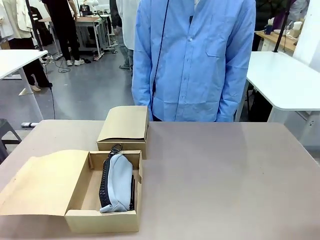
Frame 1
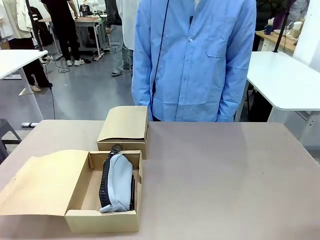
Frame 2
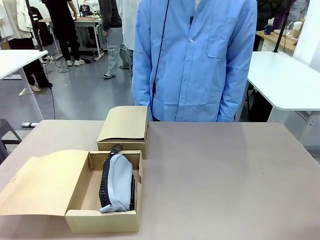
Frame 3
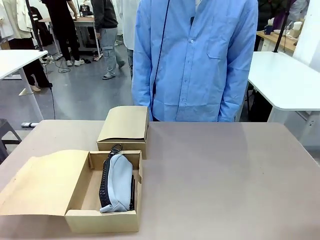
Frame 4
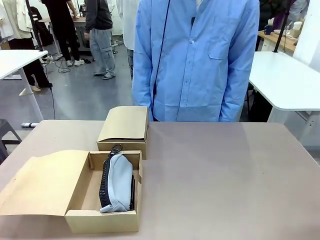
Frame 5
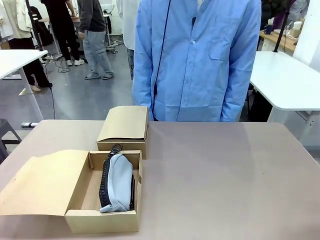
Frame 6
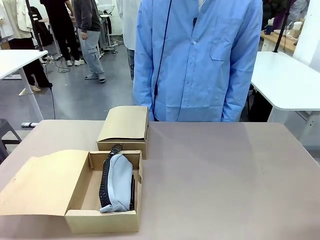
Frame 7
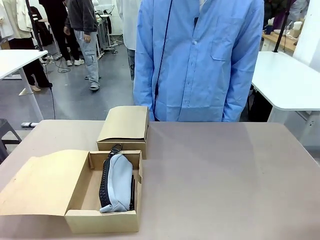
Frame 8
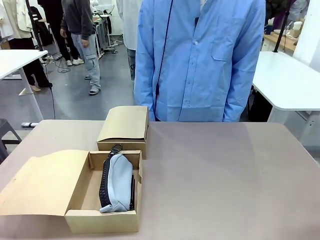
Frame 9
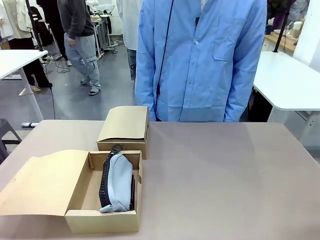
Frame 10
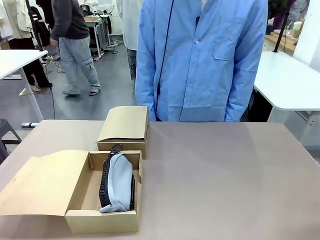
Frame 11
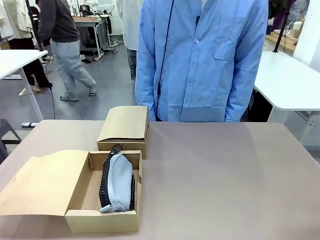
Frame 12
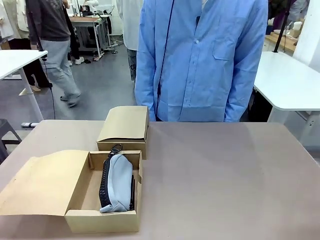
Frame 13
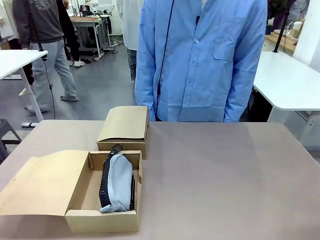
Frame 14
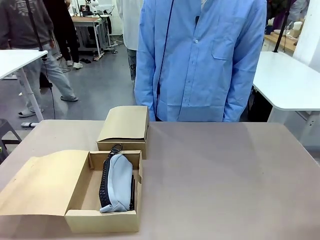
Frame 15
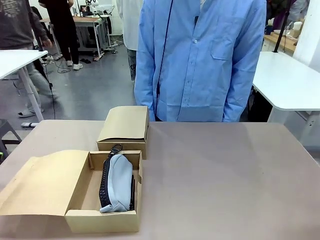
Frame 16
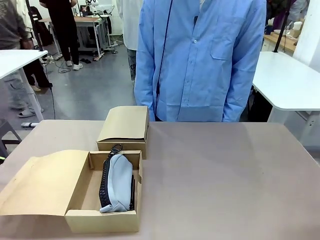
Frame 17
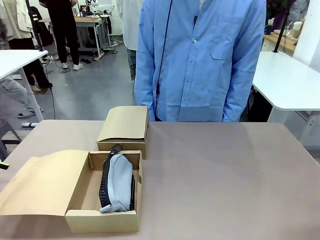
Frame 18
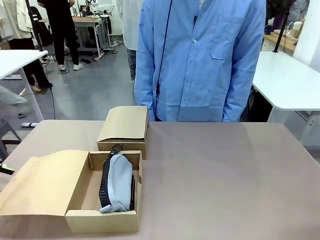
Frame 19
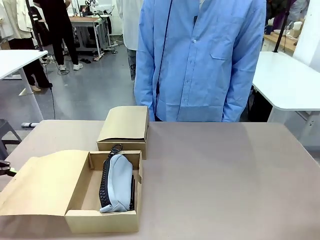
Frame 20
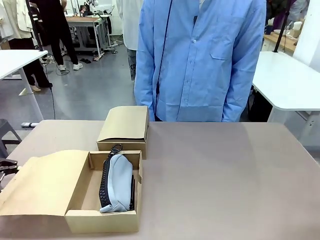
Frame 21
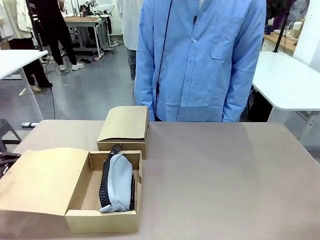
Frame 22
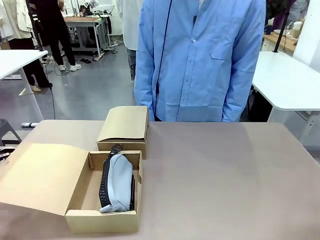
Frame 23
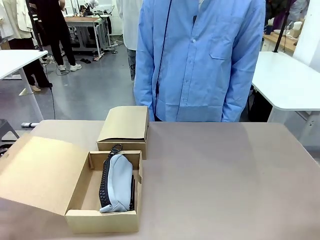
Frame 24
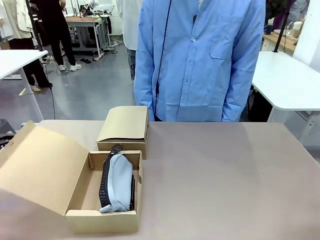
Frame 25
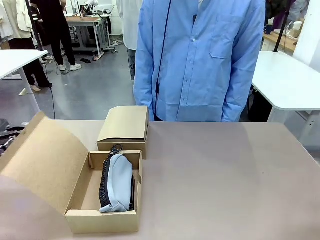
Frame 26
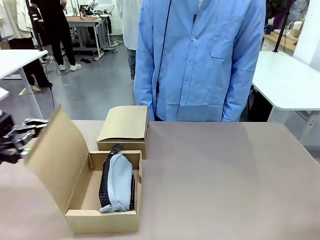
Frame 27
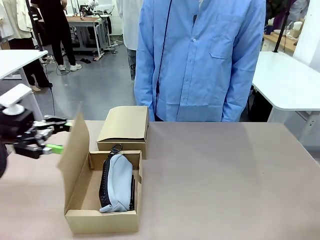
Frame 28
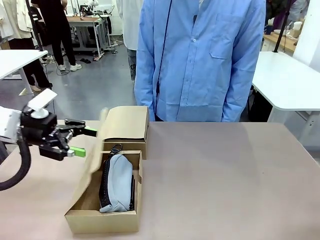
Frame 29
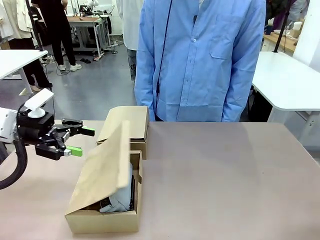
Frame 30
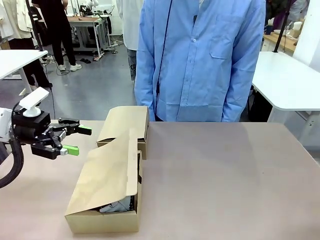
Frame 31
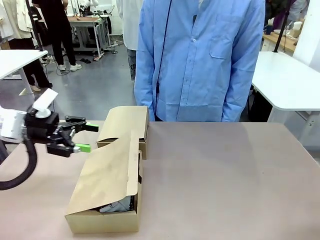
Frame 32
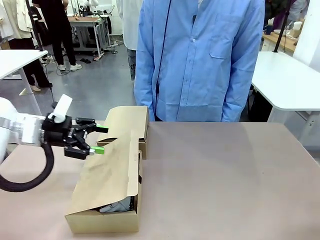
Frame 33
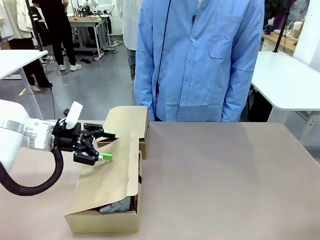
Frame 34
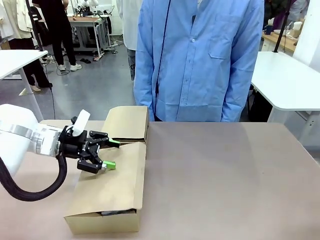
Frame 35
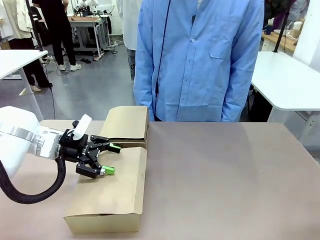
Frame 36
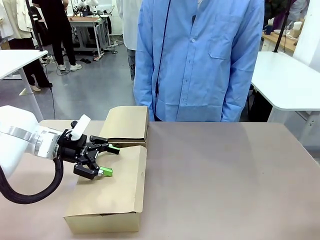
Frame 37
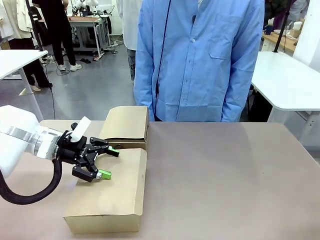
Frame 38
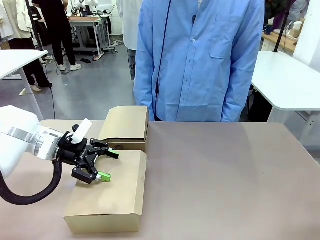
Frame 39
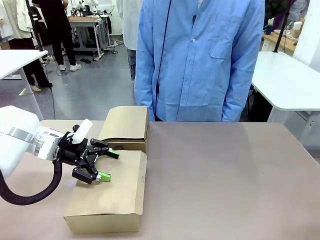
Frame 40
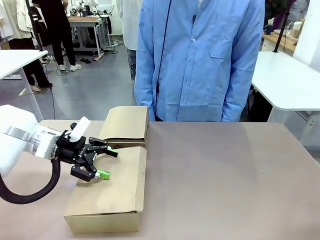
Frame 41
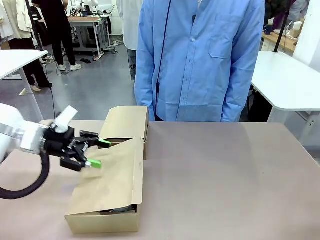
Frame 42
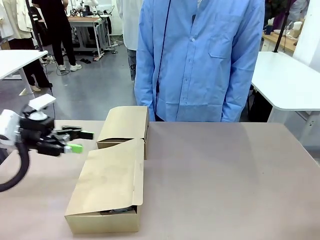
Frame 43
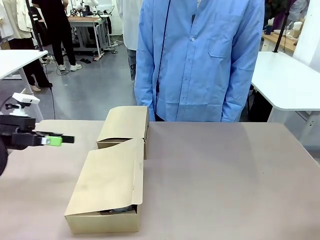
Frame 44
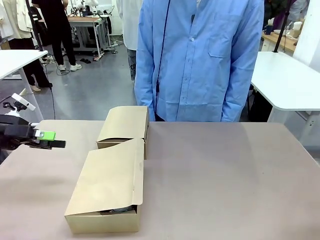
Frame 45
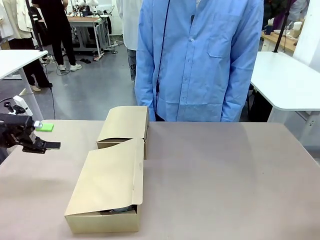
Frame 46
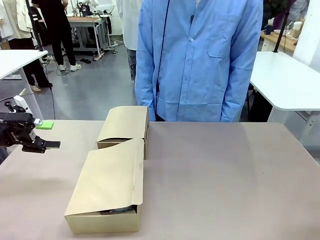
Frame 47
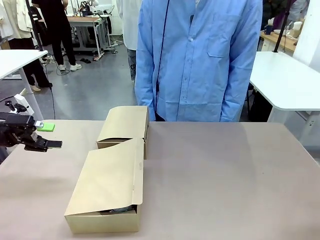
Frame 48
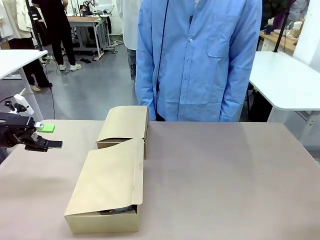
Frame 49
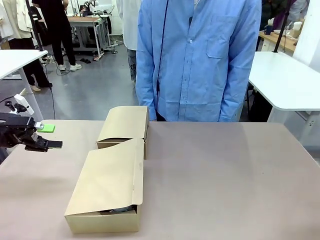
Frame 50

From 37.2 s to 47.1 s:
Task: Place items inside the box.
Robot: Close the lid of the Mailer Box closest to the robot.

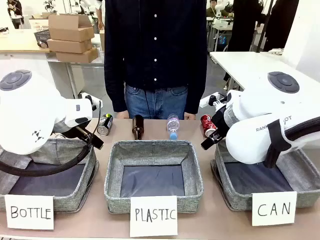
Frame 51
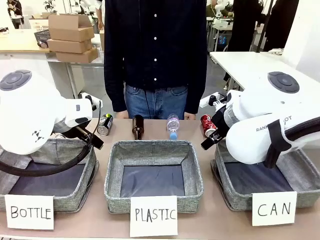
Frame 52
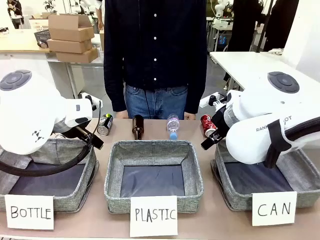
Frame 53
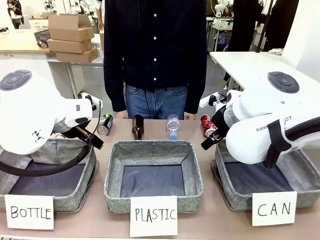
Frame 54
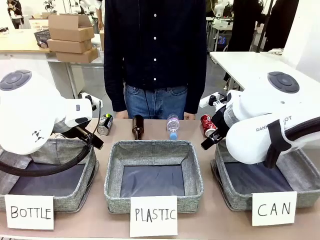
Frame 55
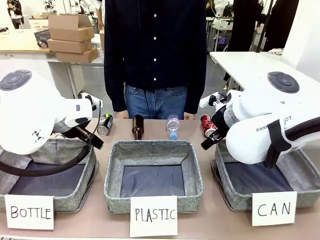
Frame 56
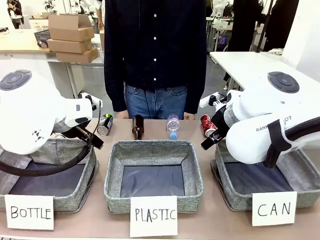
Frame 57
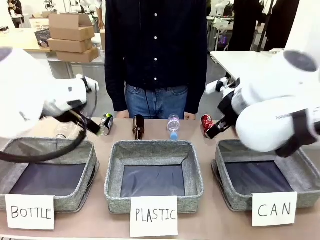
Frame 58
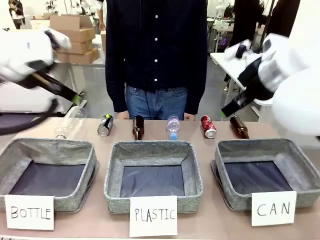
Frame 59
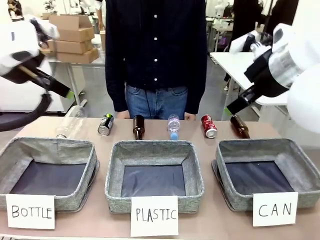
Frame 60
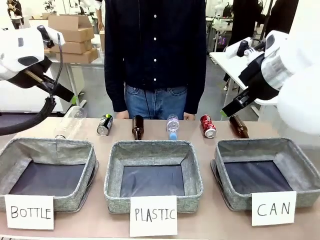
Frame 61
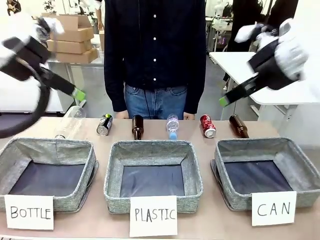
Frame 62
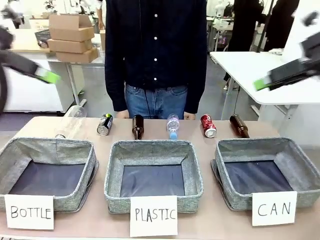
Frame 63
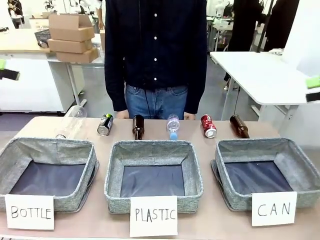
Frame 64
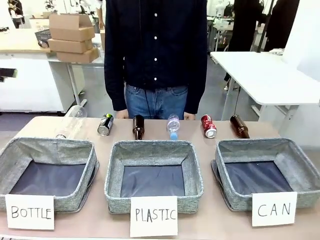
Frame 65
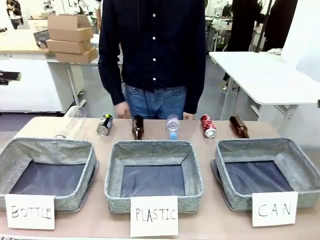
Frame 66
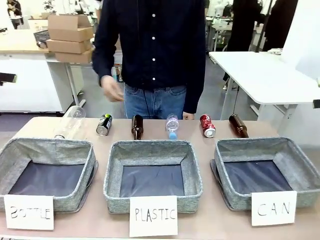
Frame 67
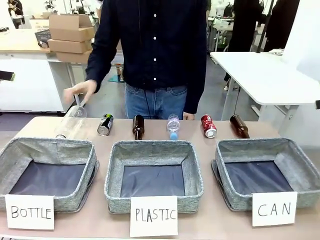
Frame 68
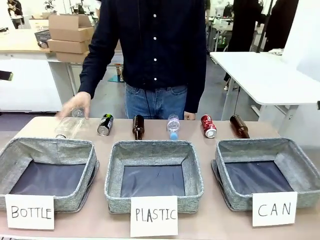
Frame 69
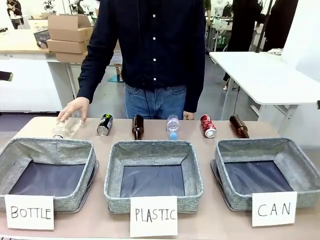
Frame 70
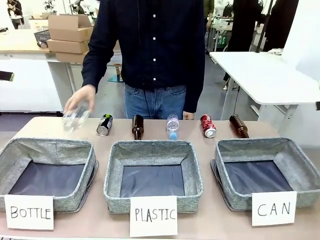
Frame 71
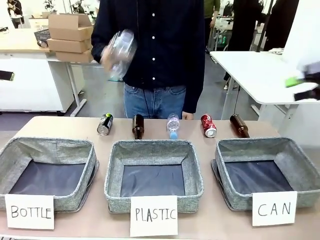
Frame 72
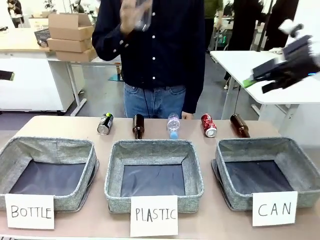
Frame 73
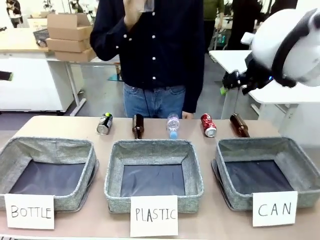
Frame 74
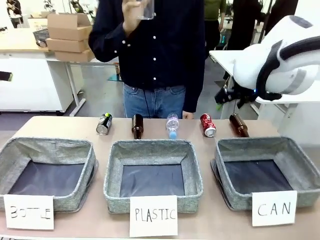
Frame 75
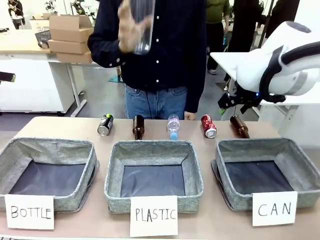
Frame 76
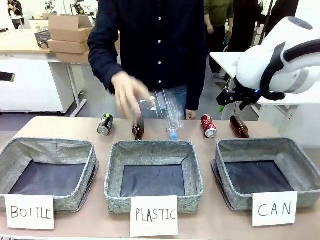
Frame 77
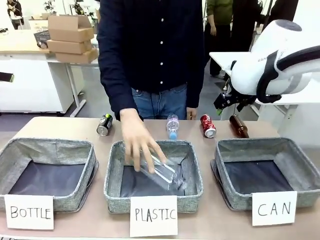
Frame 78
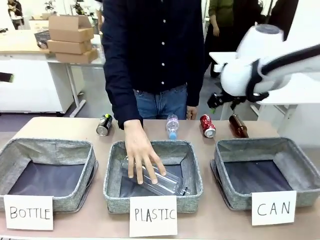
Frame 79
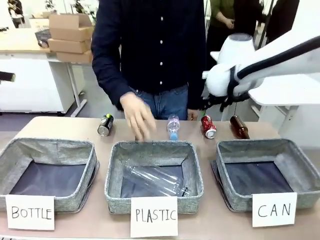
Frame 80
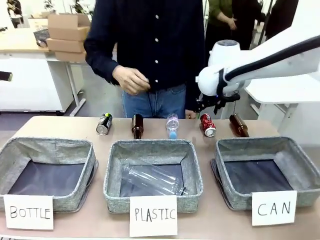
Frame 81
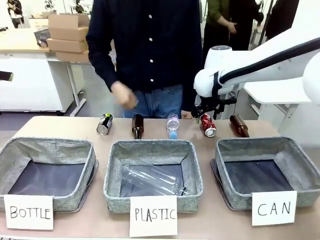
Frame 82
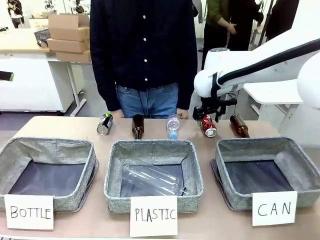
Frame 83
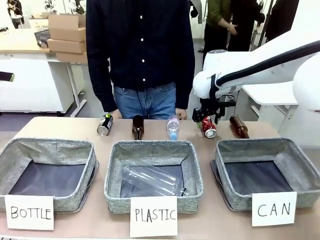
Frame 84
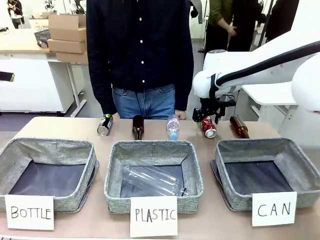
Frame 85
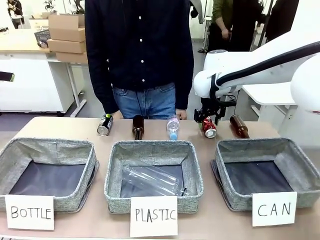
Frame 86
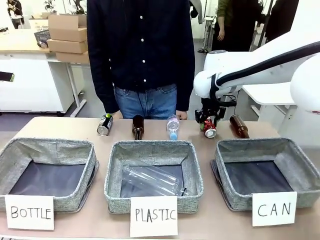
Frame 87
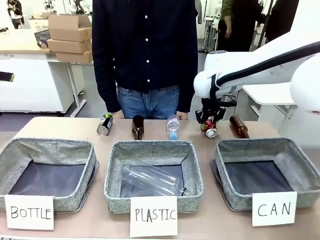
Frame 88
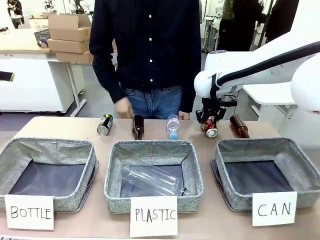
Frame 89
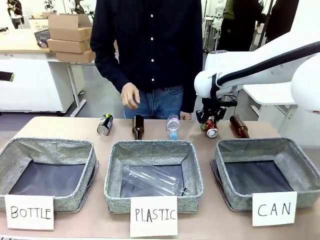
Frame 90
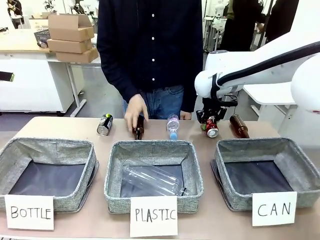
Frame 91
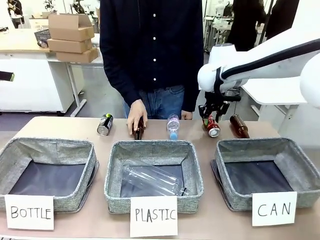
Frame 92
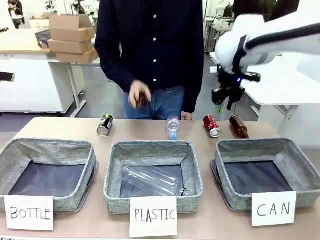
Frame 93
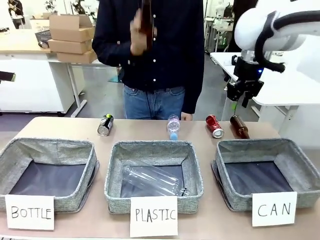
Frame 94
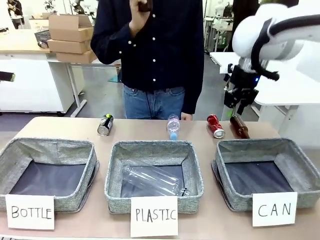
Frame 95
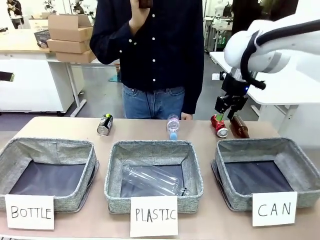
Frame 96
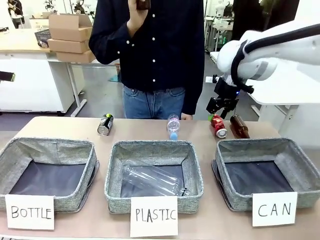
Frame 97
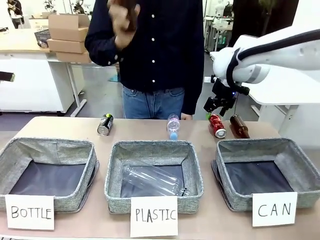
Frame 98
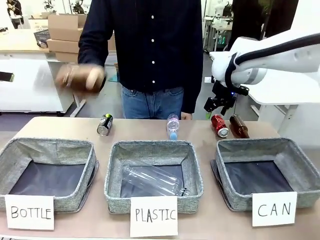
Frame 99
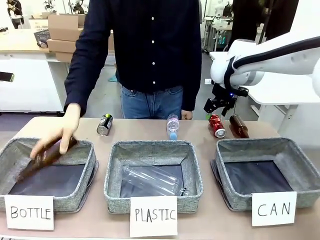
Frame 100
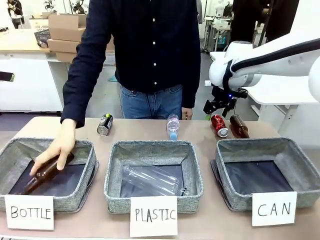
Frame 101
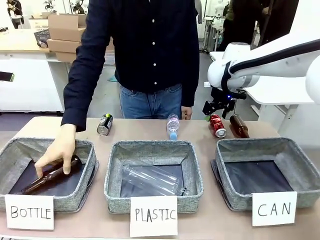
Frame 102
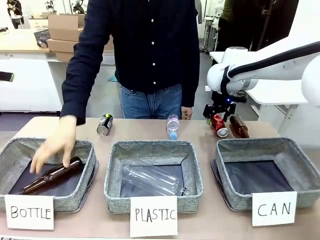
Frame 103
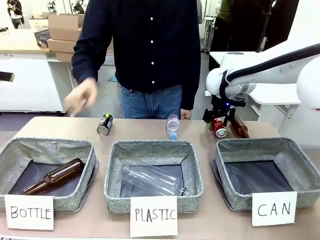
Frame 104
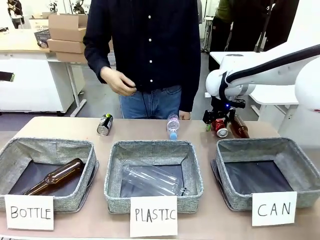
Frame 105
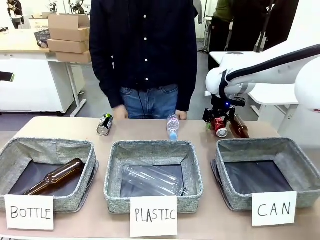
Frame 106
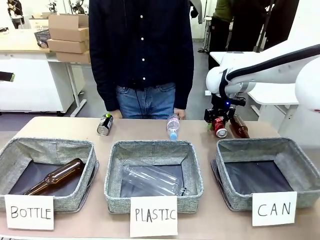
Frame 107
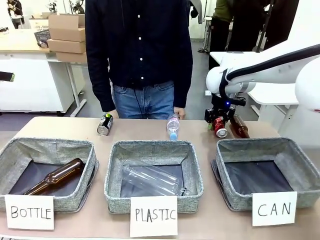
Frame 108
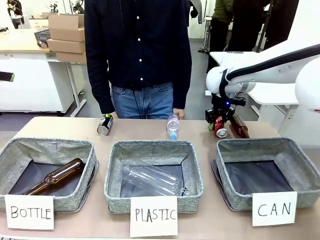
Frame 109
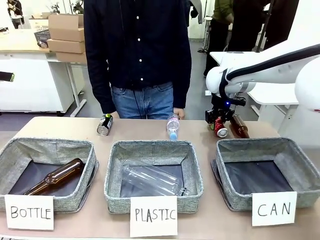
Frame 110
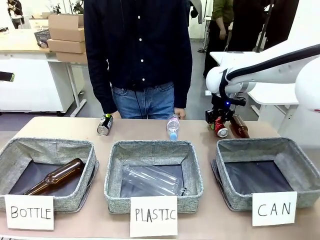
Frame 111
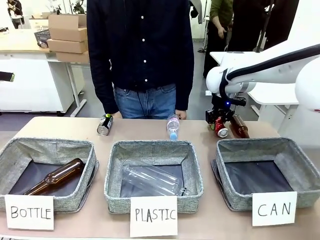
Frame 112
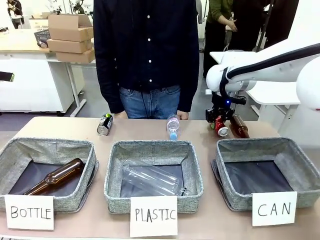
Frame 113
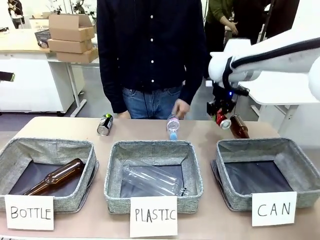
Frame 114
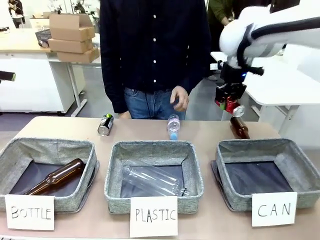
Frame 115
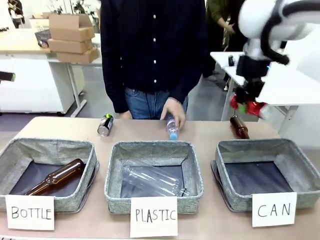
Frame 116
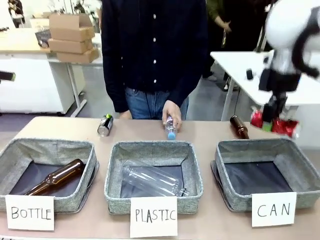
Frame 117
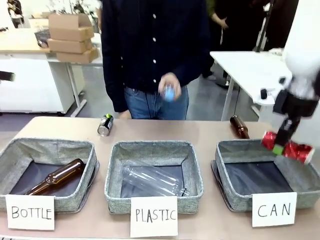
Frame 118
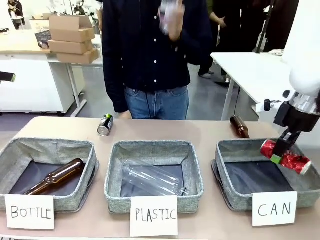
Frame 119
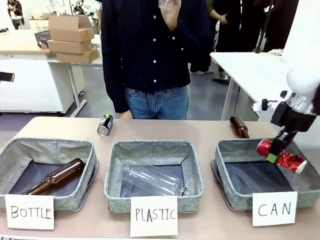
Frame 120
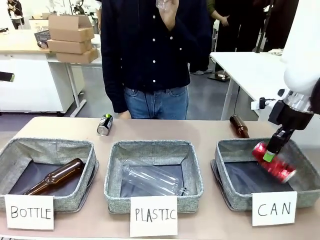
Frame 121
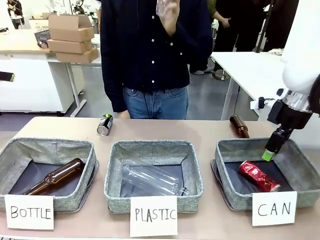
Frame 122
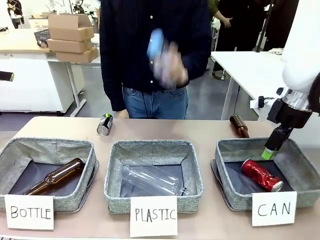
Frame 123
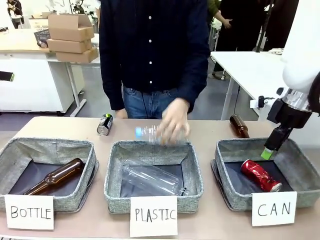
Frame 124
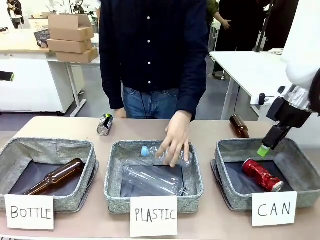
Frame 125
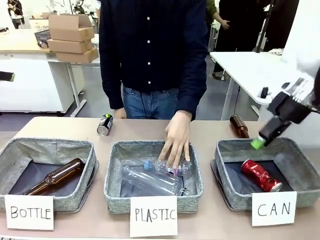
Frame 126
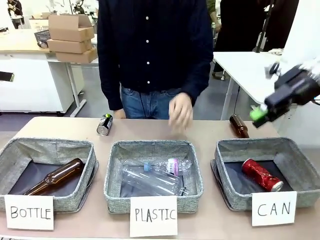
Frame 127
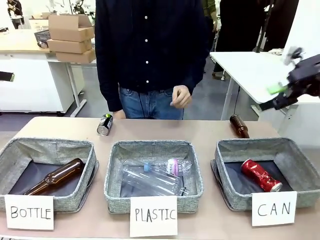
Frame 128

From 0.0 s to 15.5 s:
Task: Sort the can waste into the basket.
Robot: Pick up the can waste from the table and place it in the right Fabric basket.
